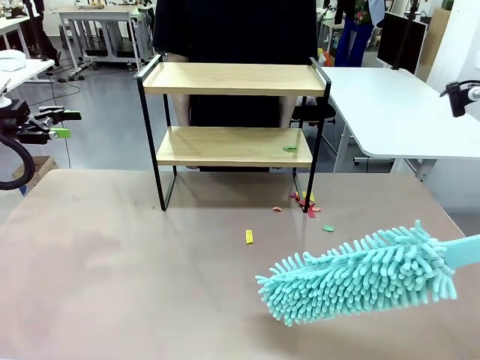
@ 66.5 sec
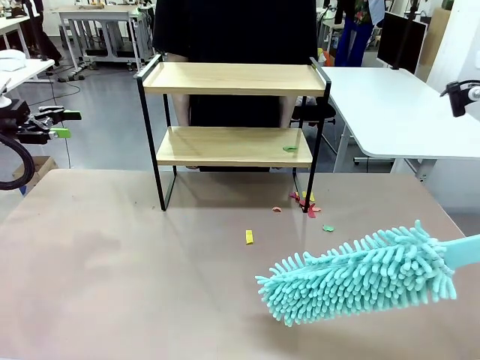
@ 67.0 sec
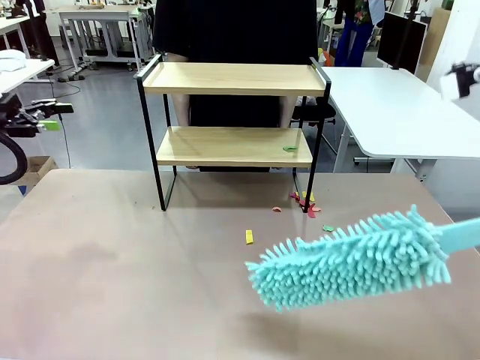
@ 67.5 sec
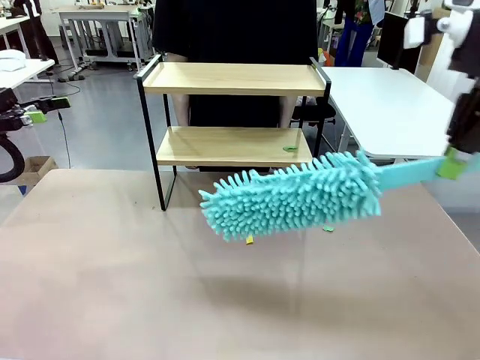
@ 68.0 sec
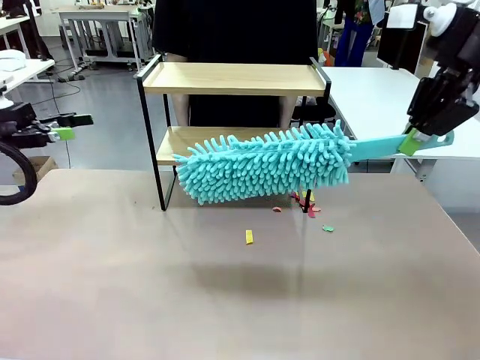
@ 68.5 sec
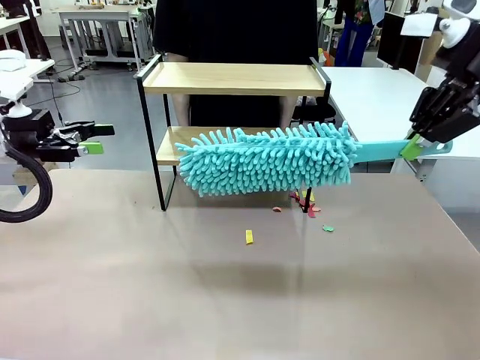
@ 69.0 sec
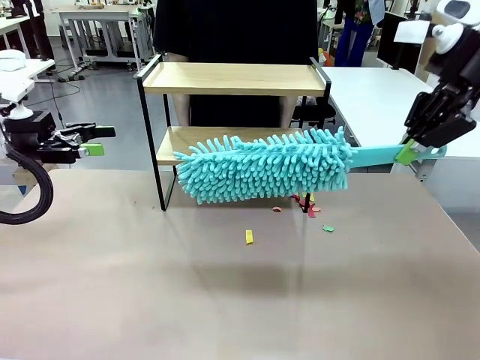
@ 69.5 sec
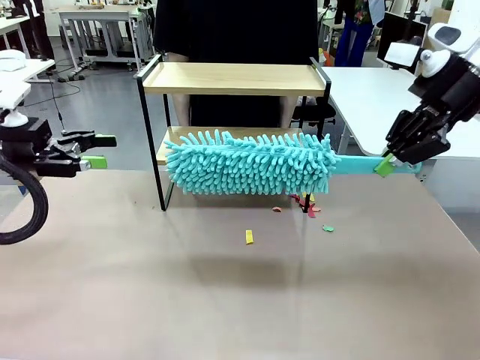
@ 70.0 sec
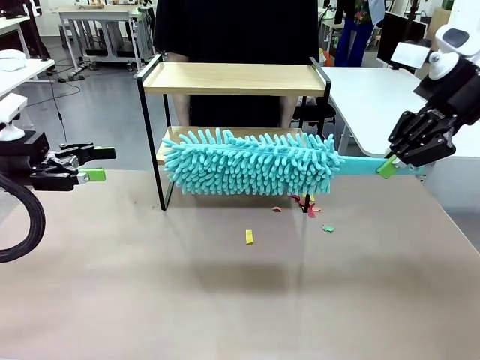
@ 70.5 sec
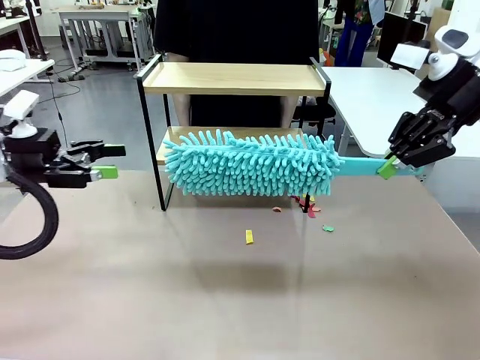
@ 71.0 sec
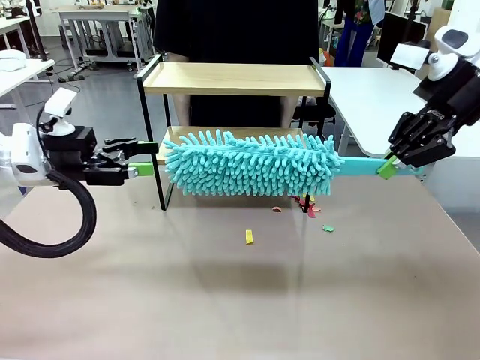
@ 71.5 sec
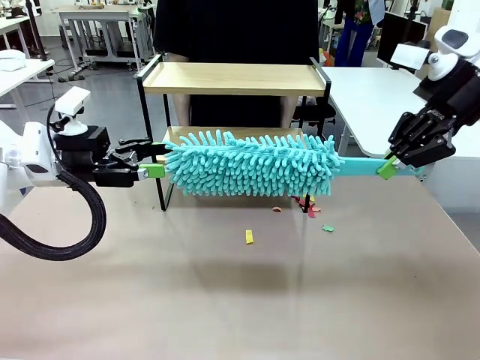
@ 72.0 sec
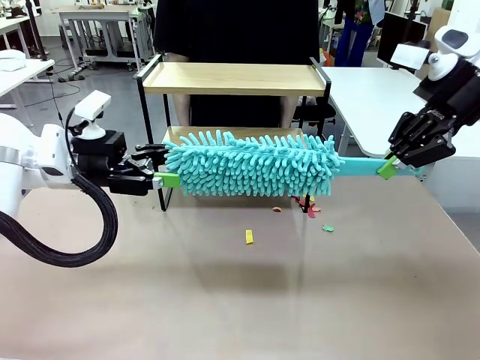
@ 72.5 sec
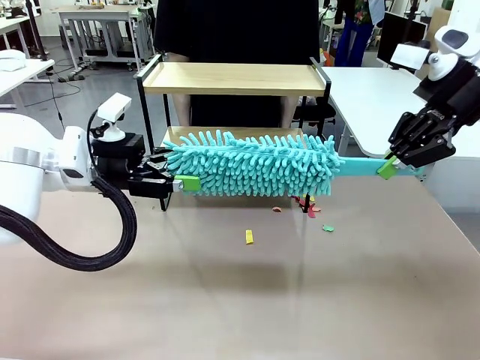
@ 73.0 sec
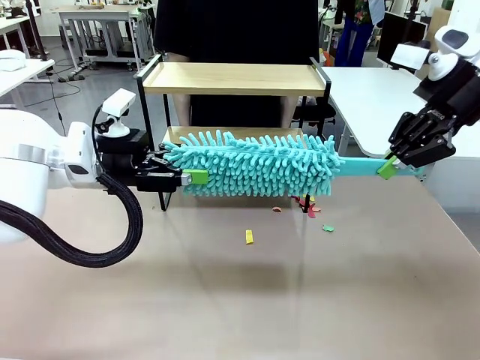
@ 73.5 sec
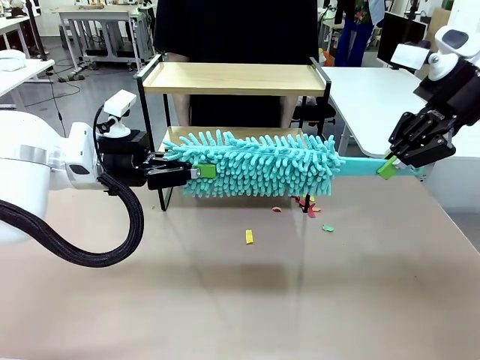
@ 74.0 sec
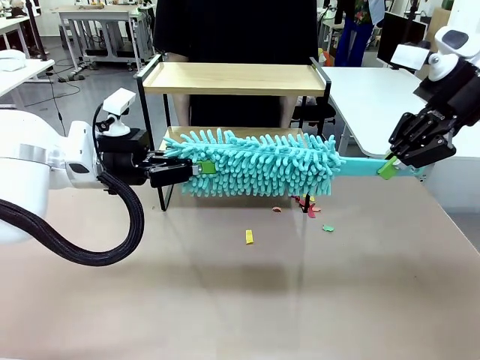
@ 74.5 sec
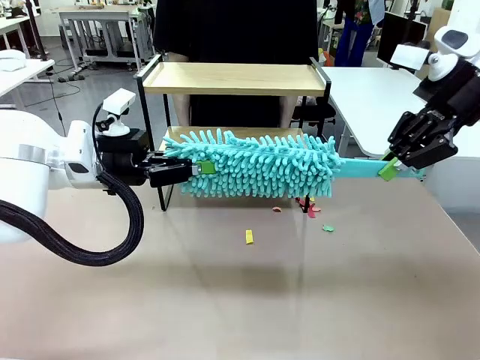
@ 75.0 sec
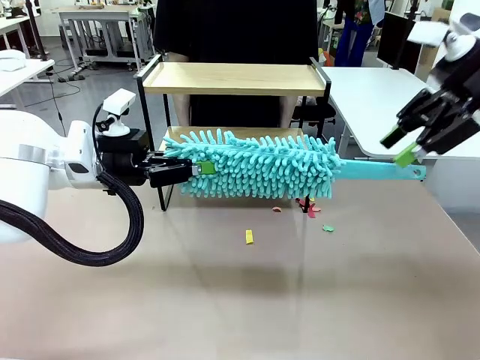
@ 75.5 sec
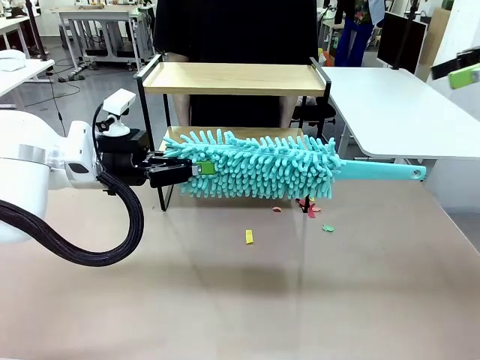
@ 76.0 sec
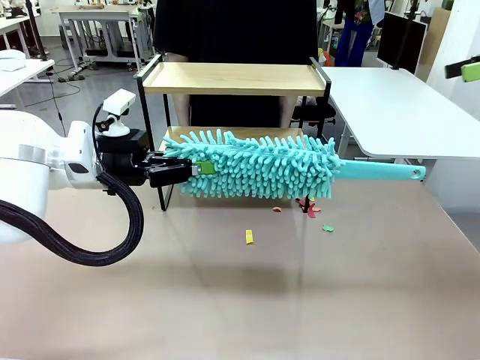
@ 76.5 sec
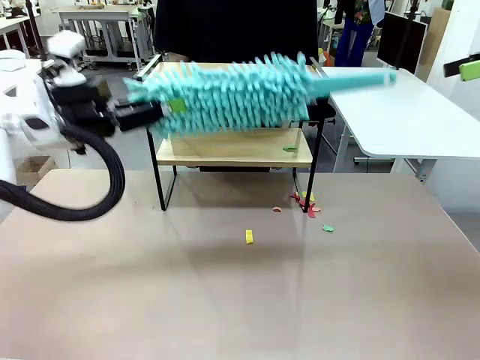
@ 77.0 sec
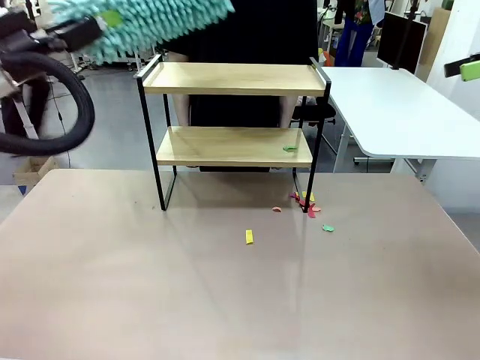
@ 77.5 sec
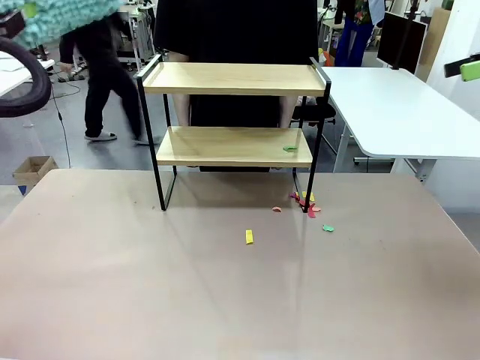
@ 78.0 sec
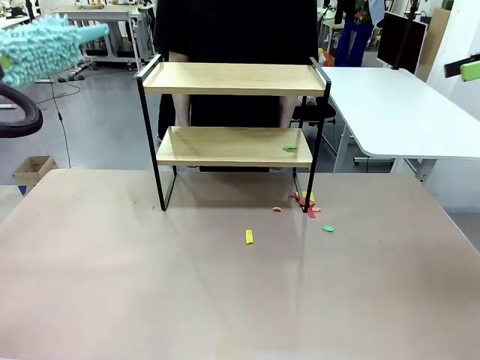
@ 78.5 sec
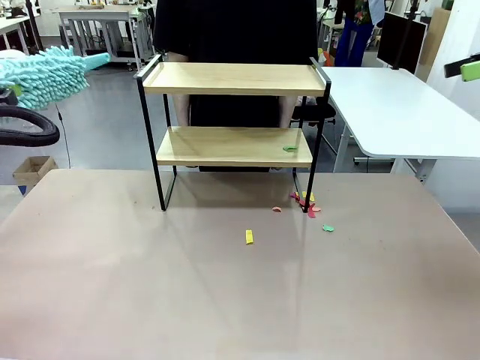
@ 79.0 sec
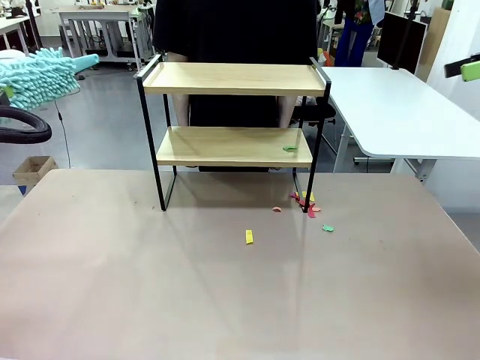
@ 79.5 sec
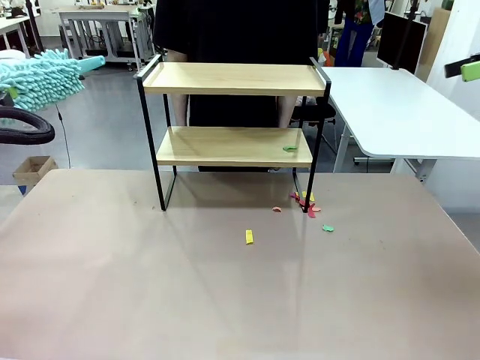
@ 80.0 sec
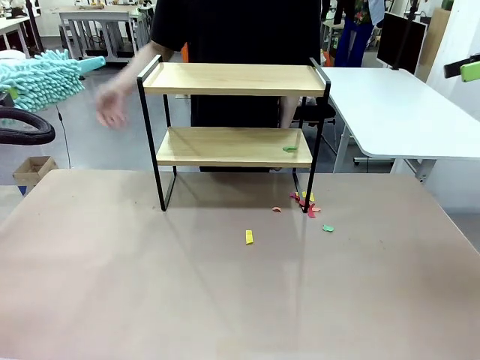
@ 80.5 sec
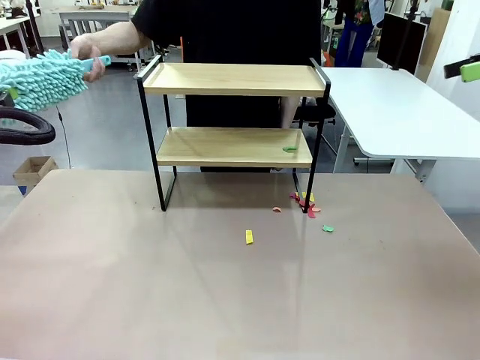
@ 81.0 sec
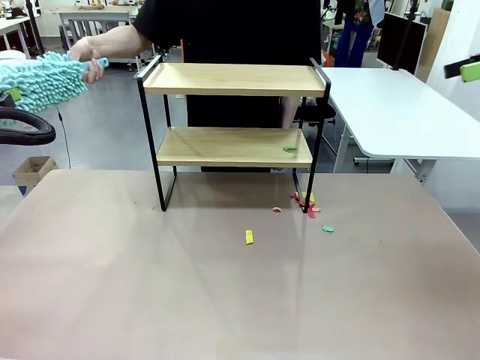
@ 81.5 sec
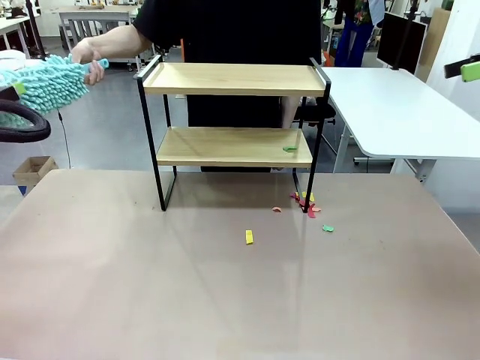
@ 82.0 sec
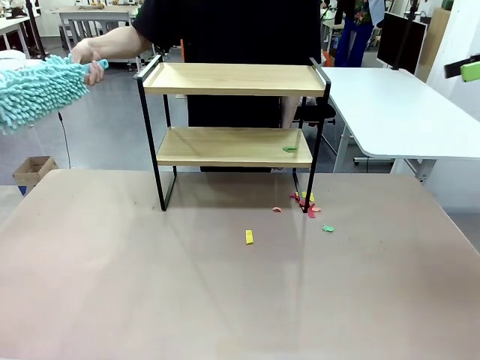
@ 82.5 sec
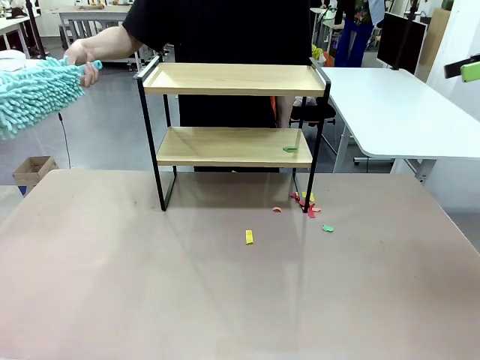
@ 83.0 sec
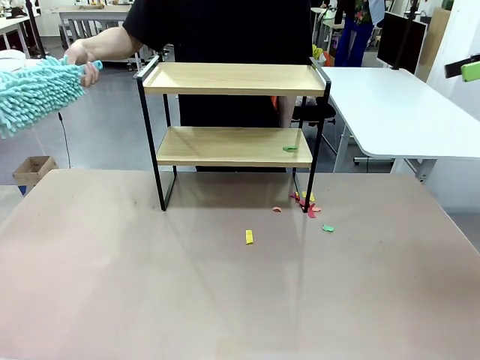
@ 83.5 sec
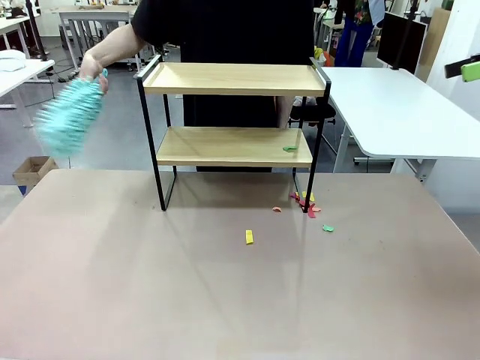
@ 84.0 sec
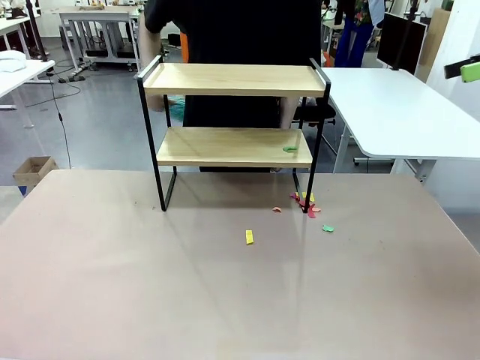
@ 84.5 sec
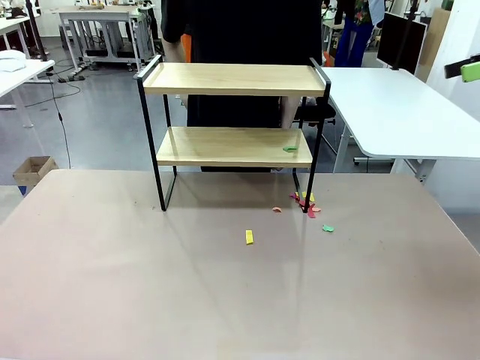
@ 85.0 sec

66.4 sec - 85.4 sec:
Task: Clean the shelf.
Robot: Hand the Duster back to the human.
Person: Receive the Duster from the robot.
